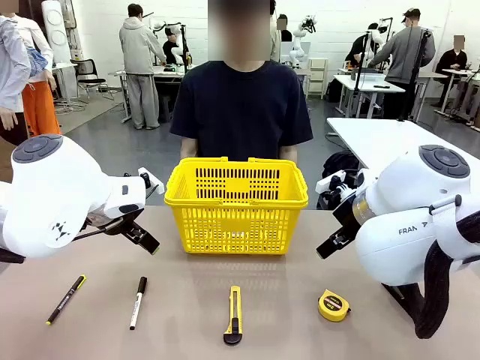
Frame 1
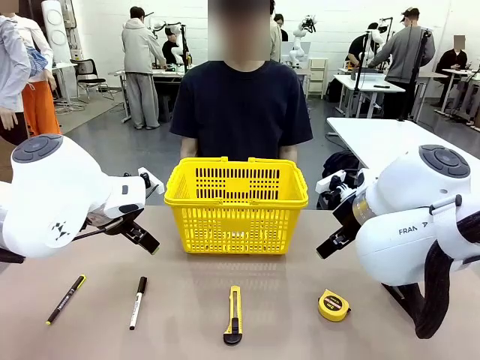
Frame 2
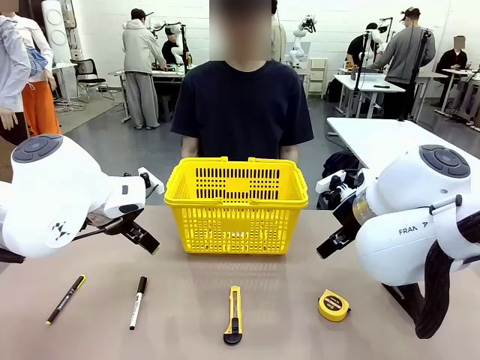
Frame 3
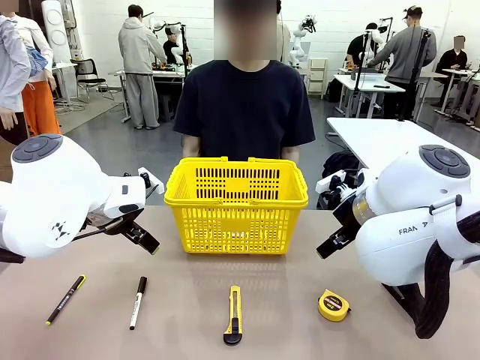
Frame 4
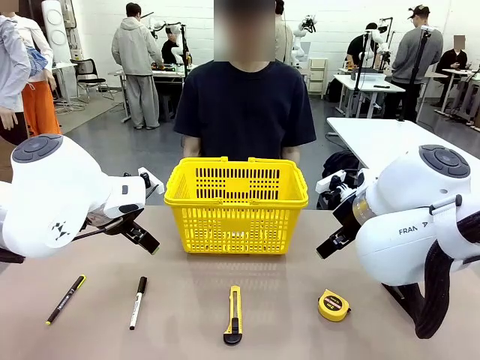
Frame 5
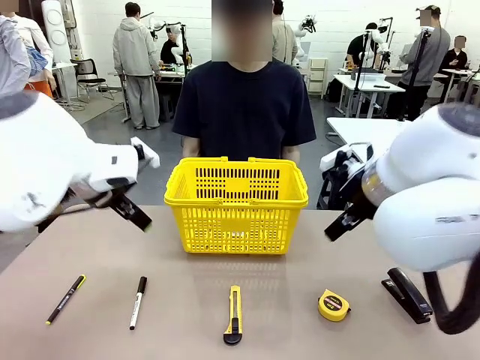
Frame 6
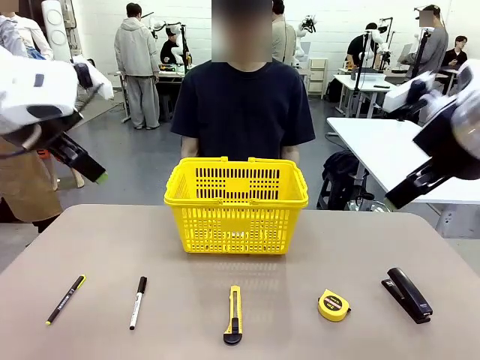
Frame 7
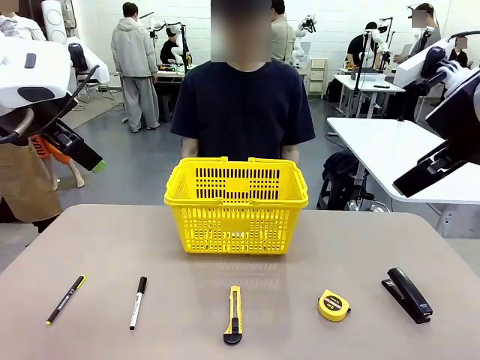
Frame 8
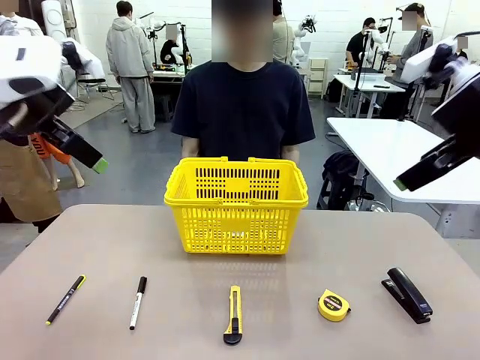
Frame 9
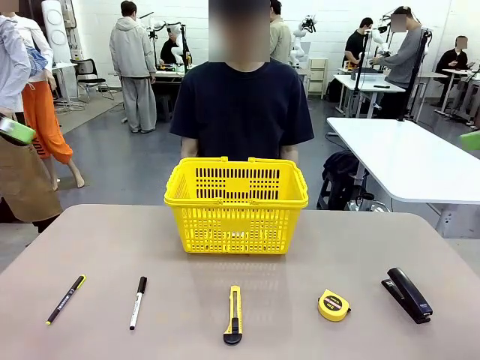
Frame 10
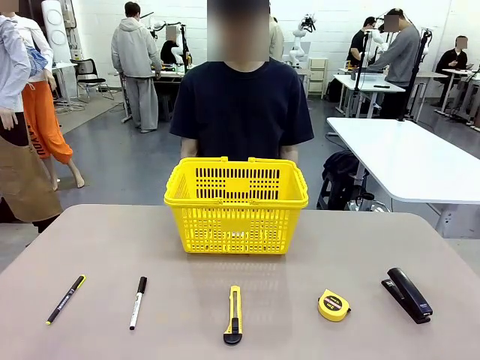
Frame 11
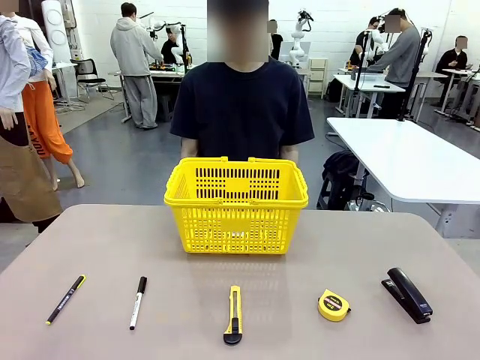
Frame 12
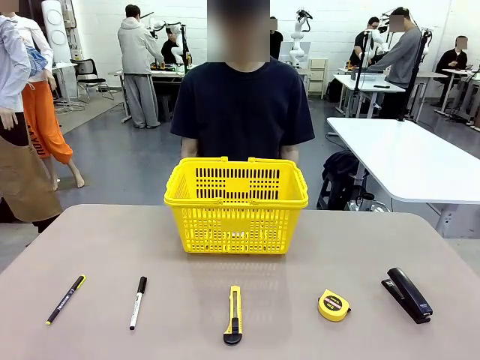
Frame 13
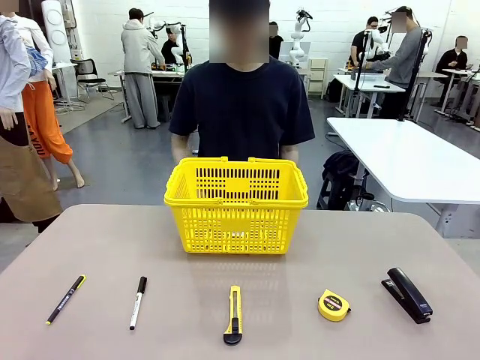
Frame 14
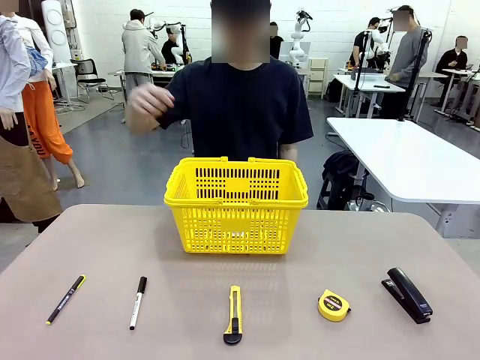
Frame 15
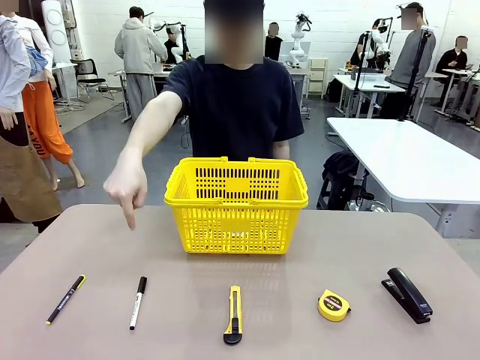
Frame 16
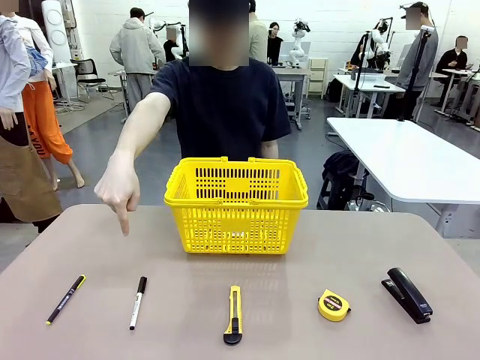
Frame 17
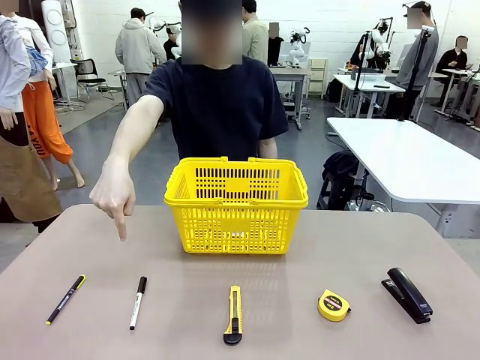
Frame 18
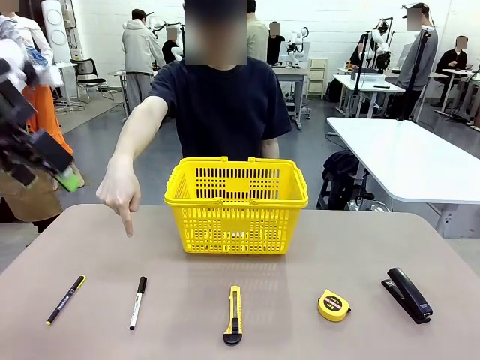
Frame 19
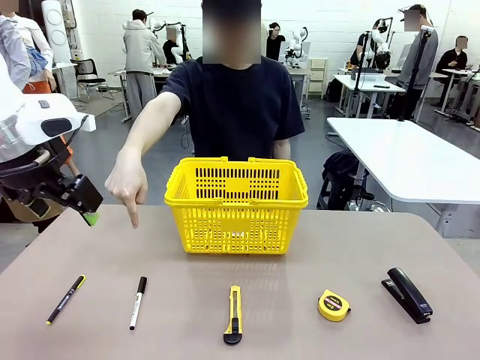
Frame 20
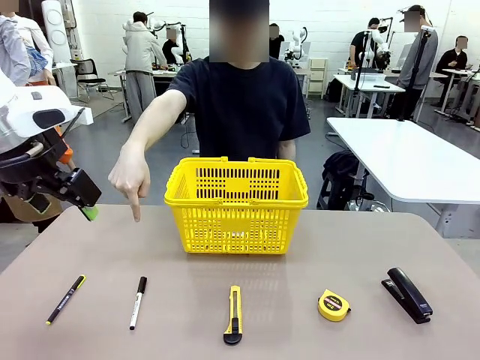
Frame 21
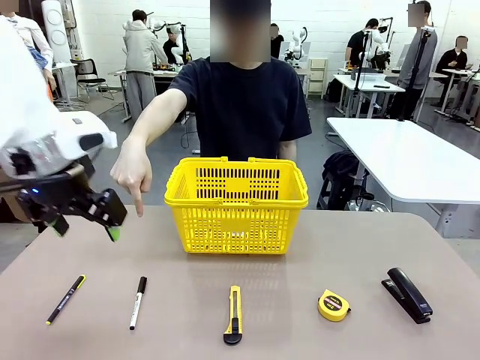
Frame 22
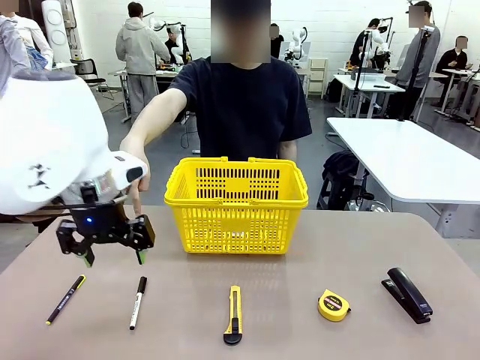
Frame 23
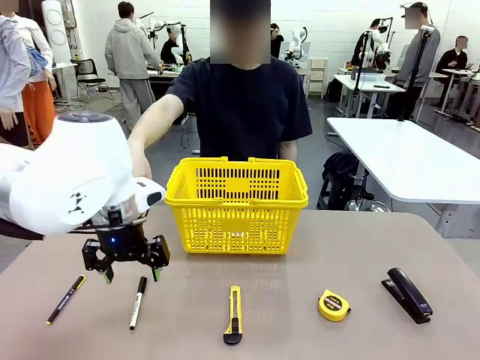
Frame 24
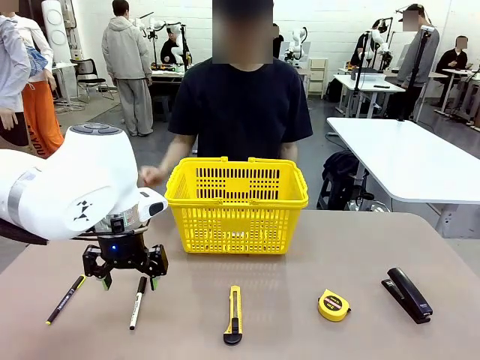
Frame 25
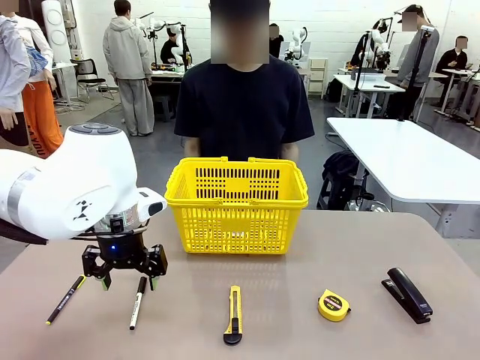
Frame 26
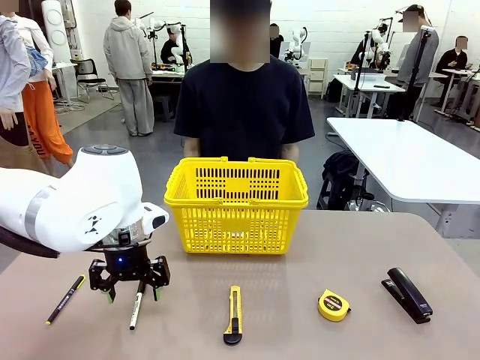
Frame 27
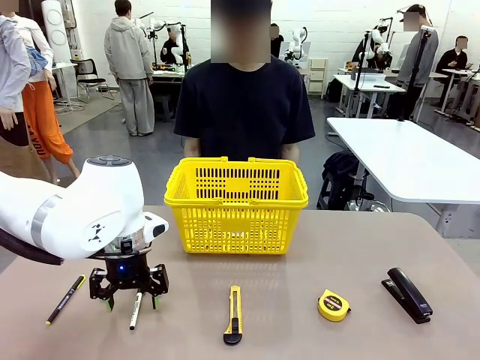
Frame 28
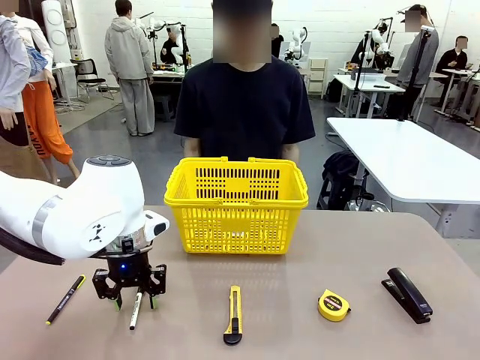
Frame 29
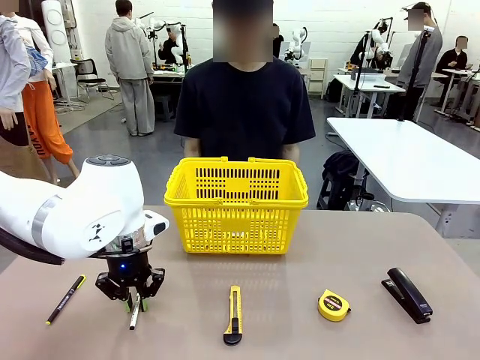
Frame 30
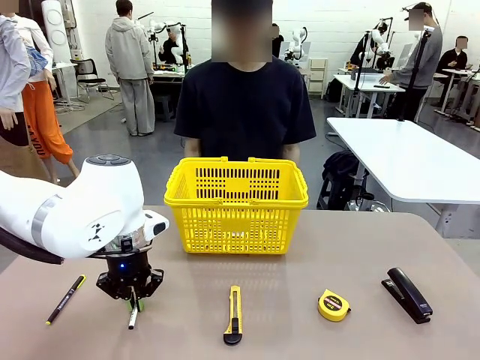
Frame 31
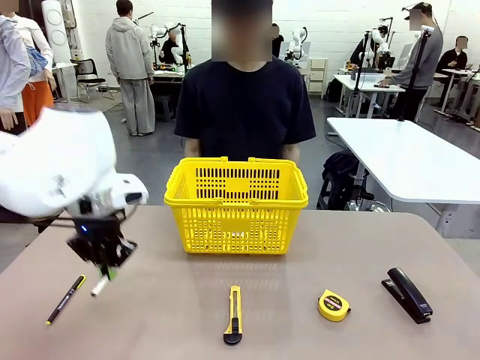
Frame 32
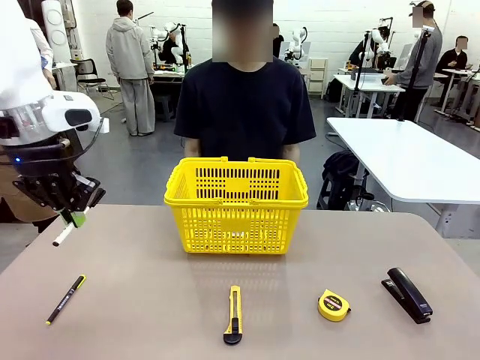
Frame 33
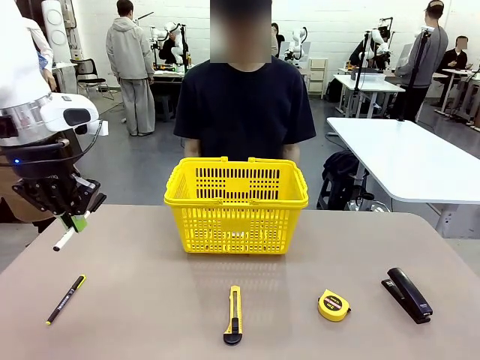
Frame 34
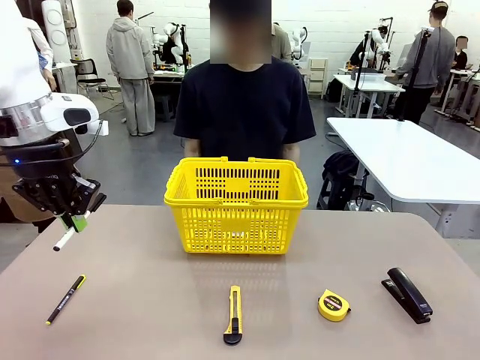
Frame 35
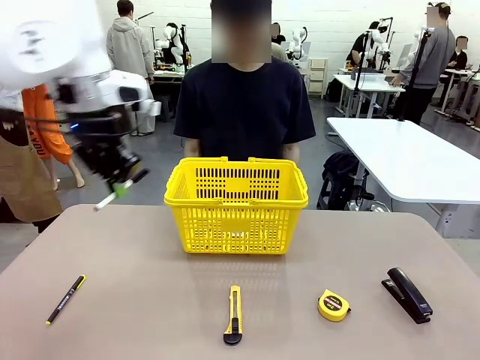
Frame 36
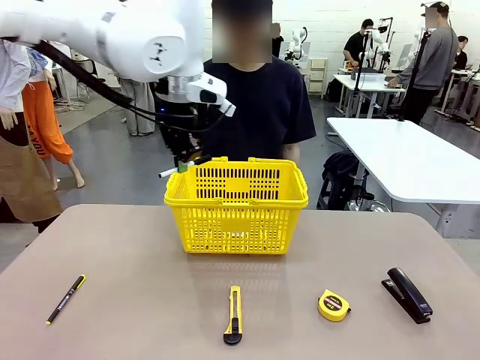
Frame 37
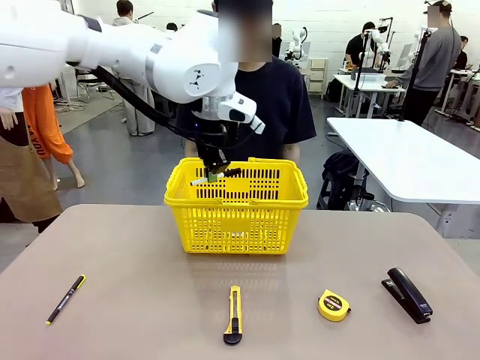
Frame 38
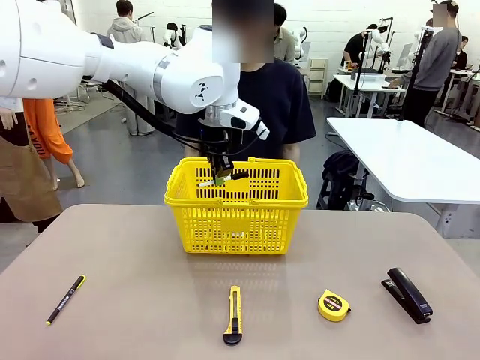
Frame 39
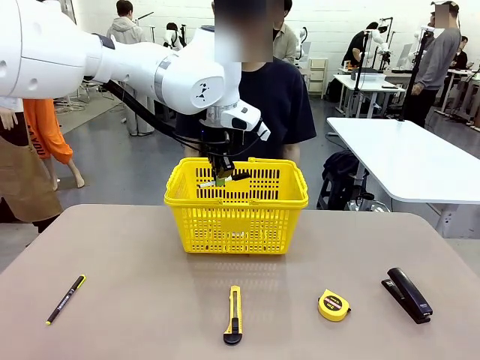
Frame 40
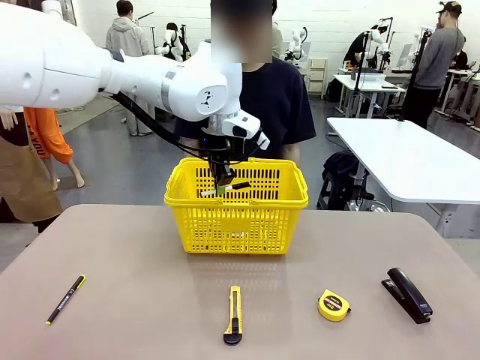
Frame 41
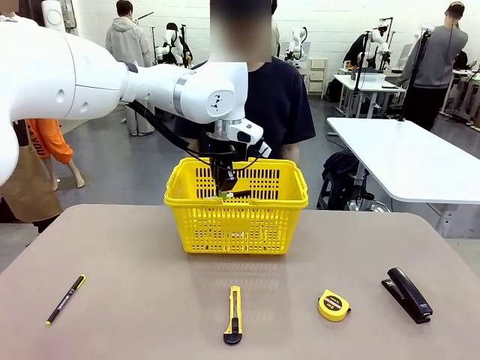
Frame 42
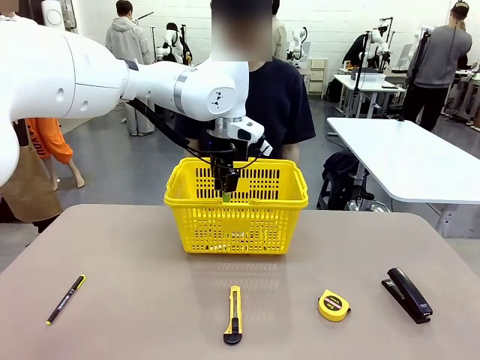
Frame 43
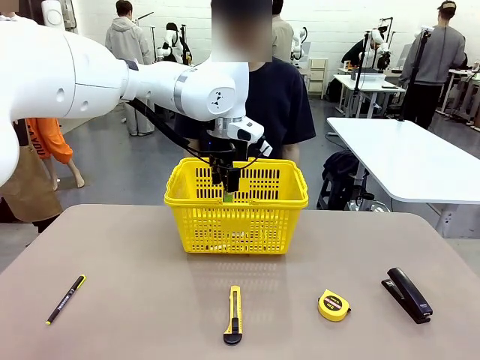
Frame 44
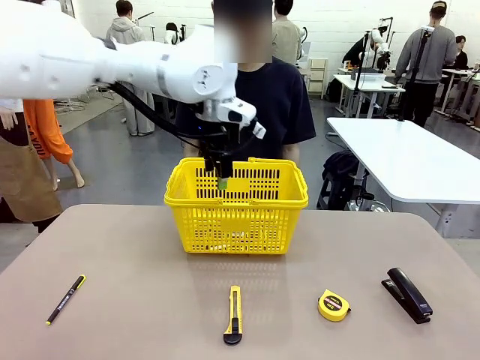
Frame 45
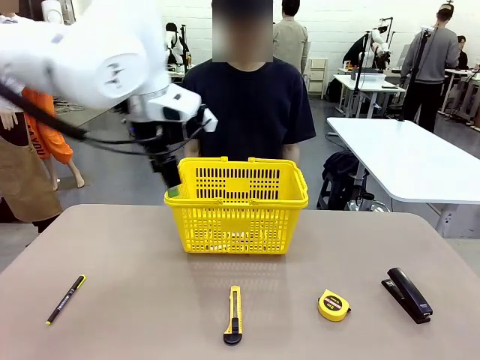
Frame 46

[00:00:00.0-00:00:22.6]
Task: Place the items the person wants into the basket.
Robot: Pick up the item the person points to and place it in the Market Basket.
